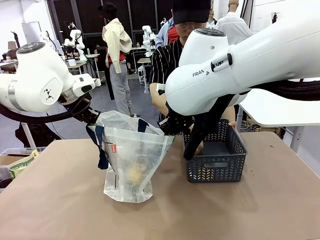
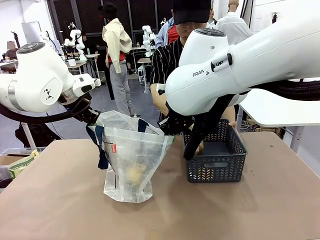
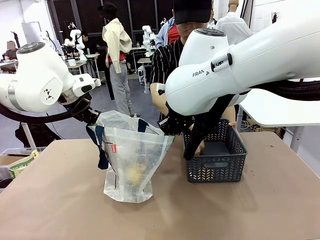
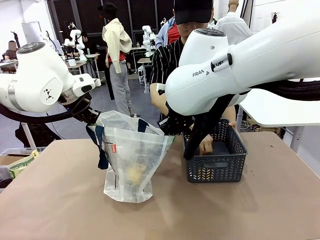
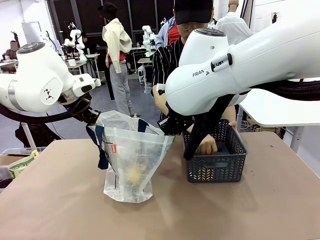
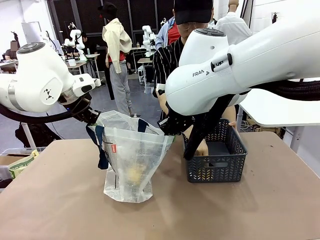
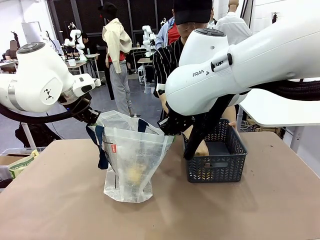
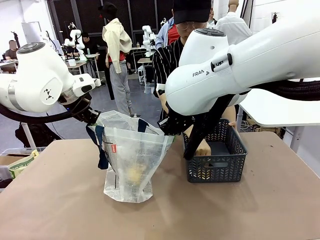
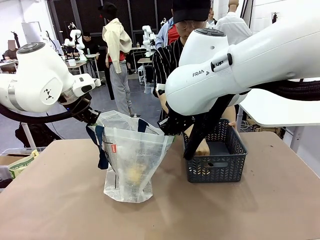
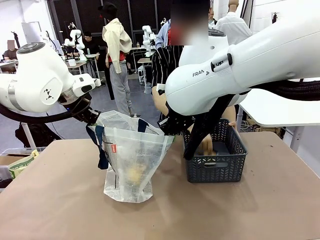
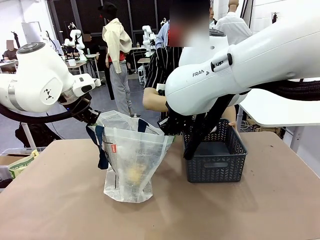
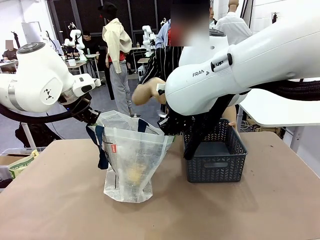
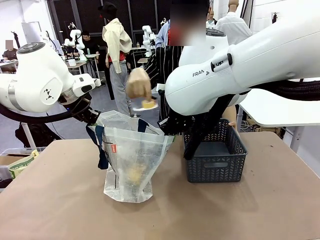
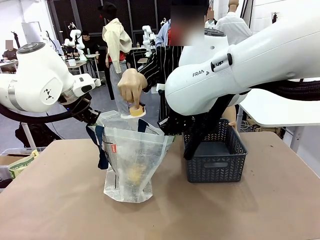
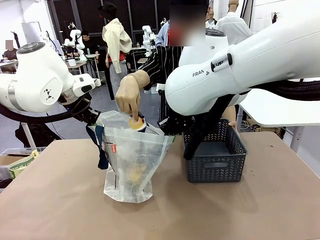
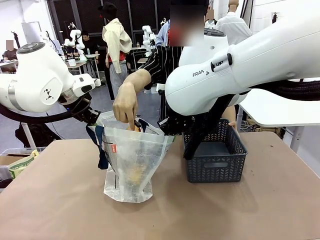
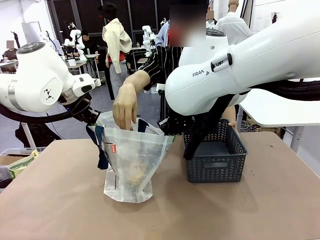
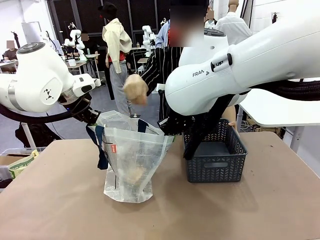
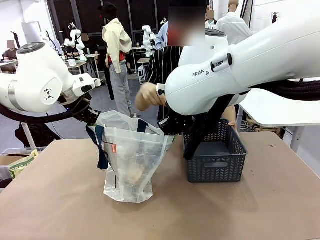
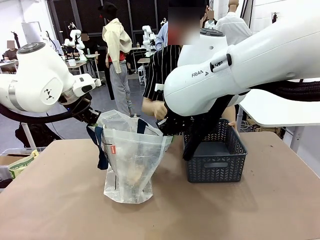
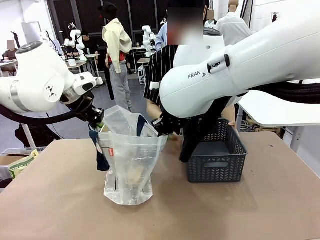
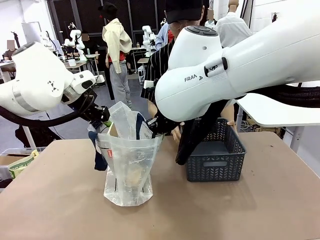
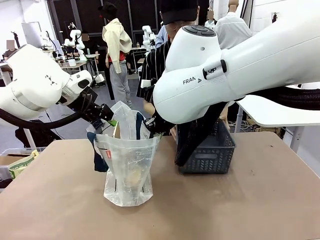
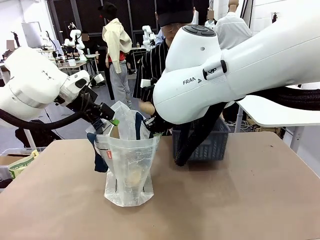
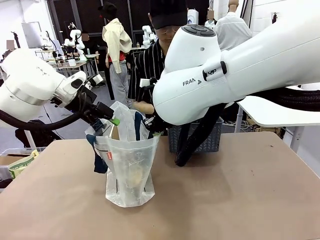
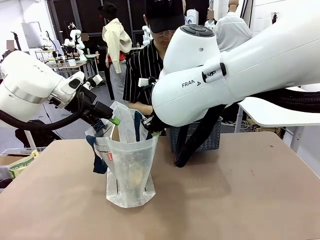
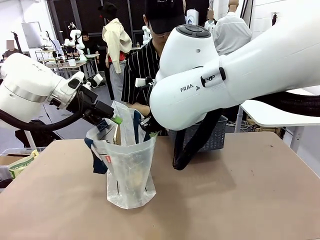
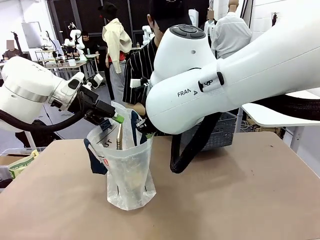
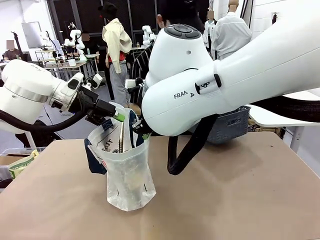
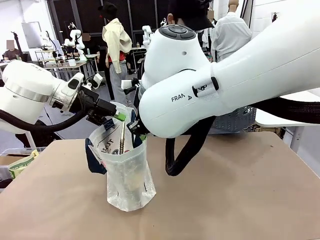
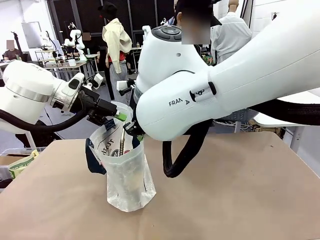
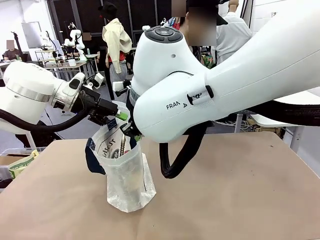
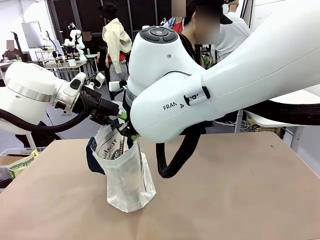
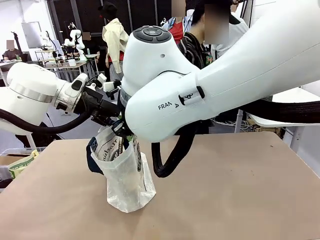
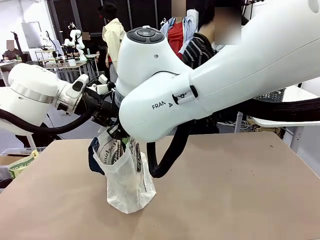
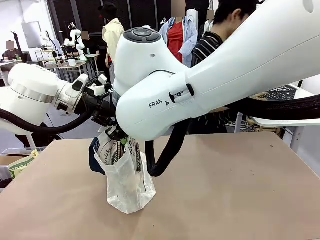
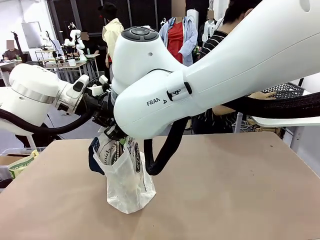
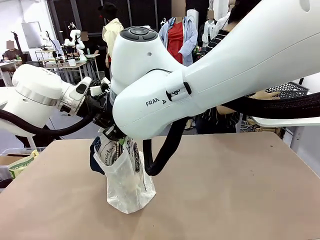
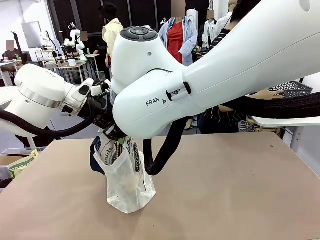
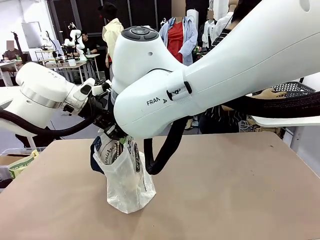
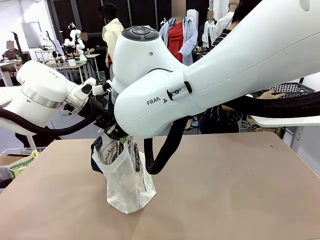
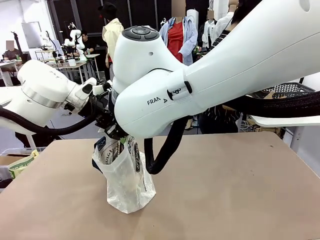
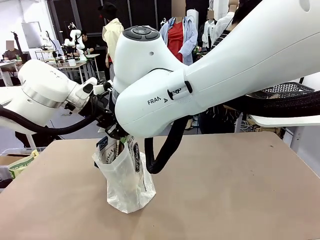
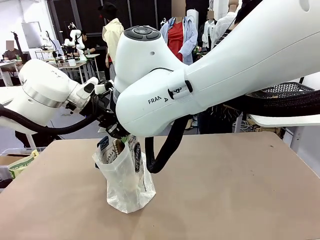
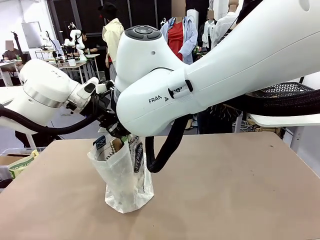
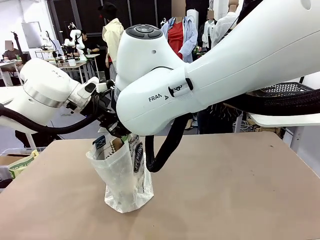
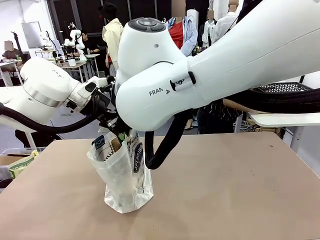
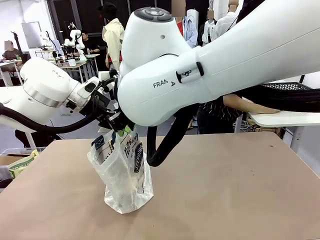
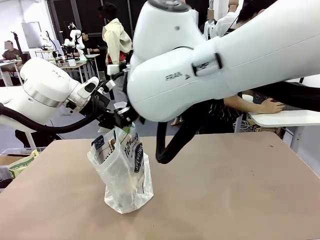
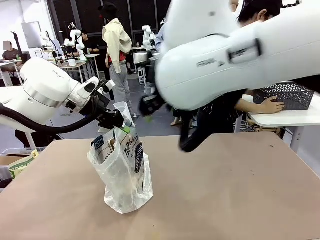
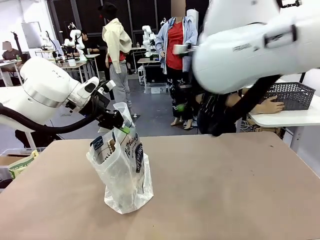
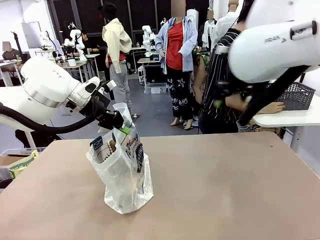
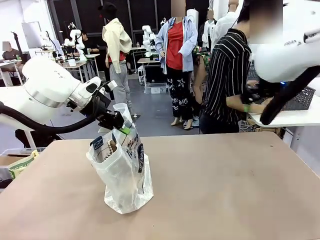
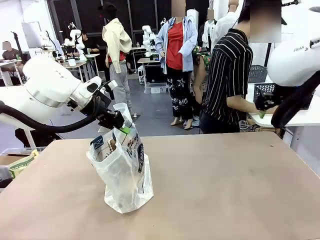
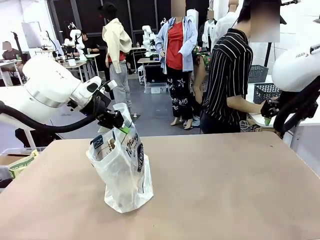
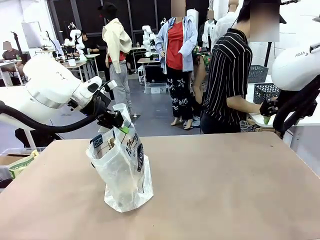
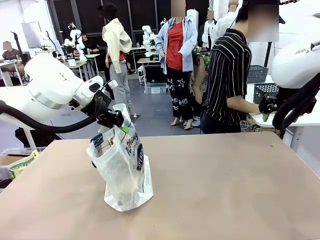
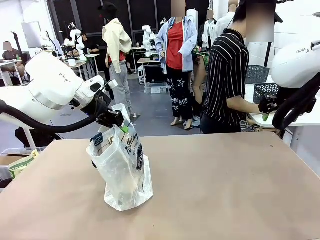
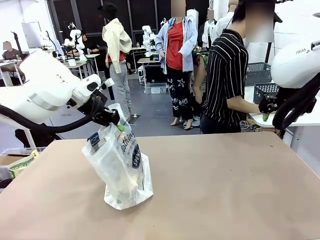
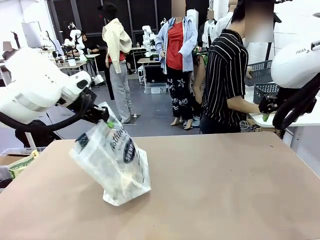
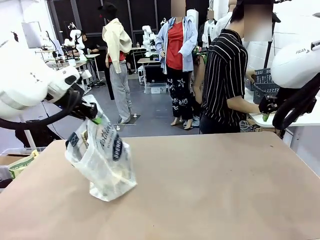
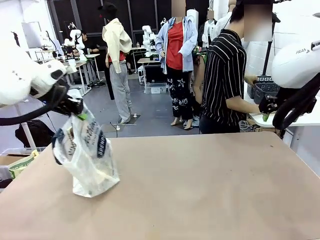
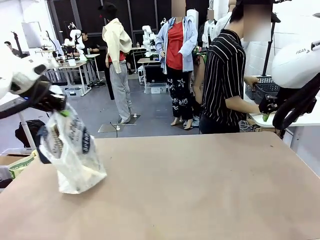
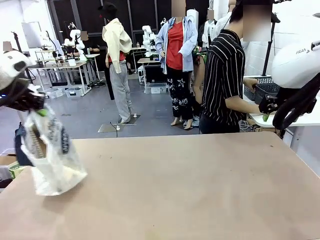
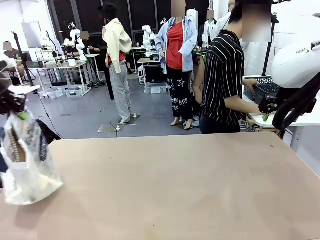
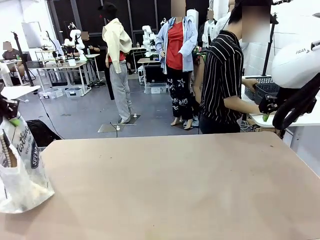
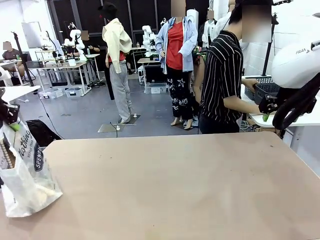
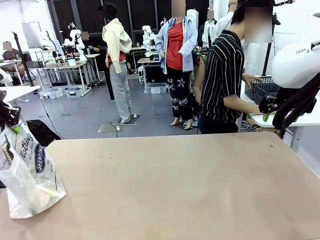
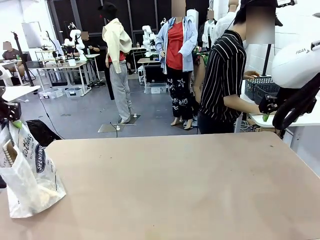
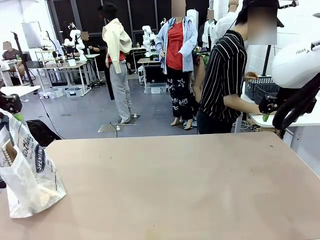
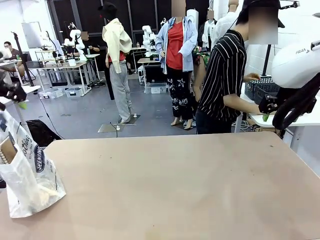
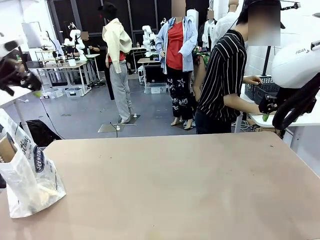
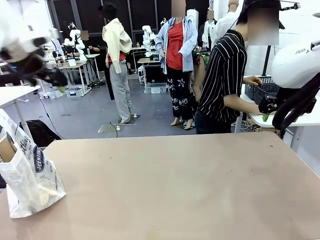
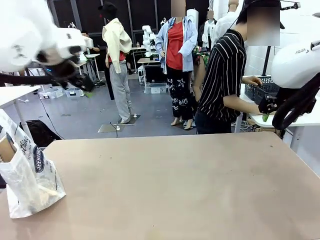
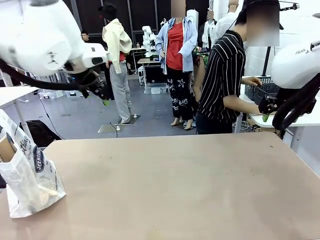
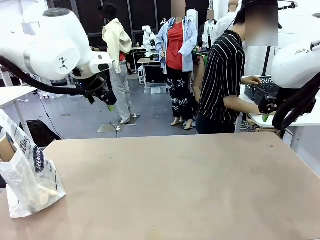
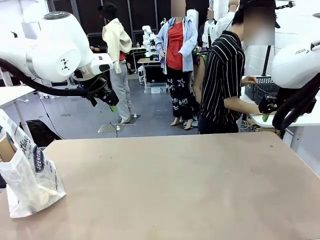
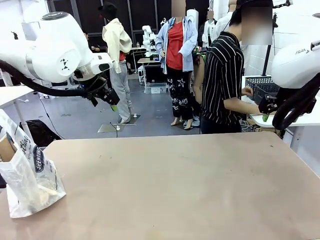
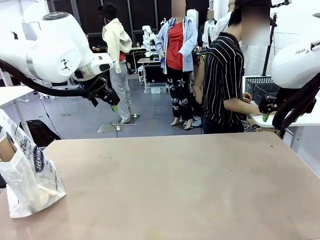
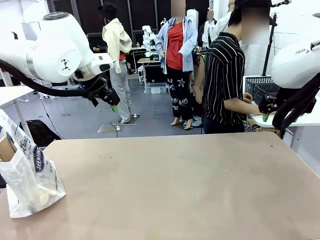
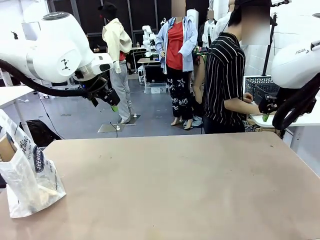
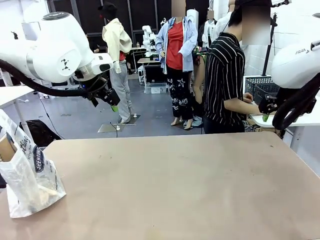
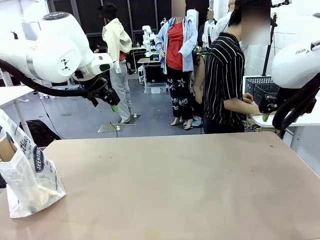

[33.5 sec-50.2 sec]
Task: Transfer purchased items from the store into the shopping bag.
Robot: Move the Reusable shopping bag to the right side of the table.
Person: Move the basket on the left to the middle of the person's table.

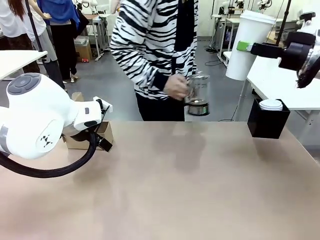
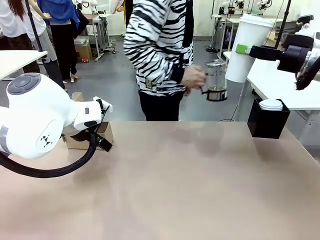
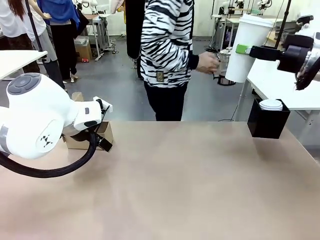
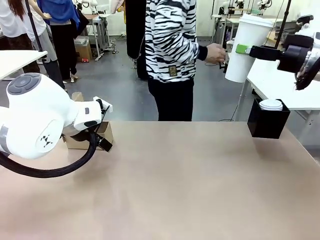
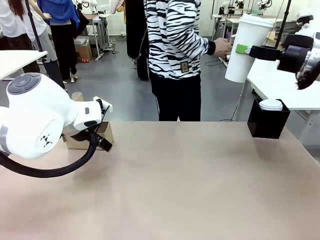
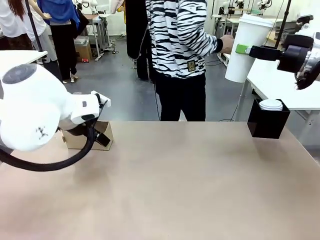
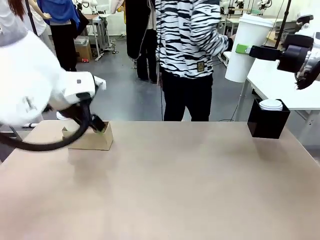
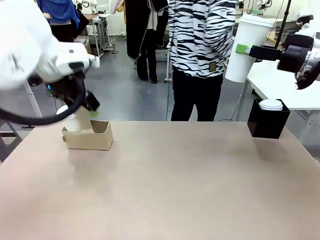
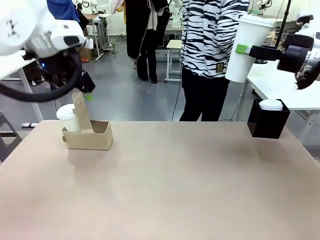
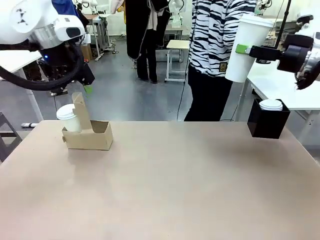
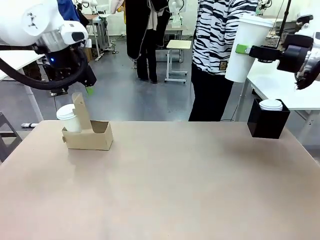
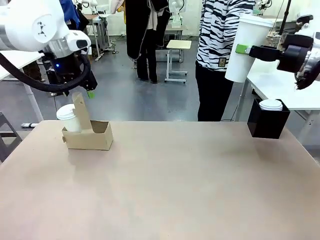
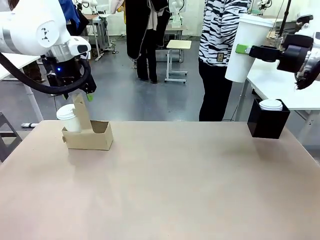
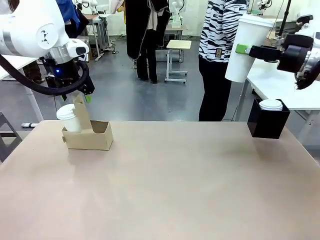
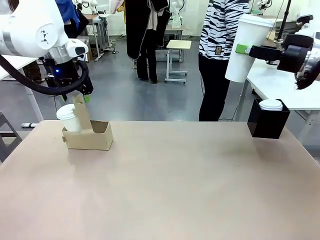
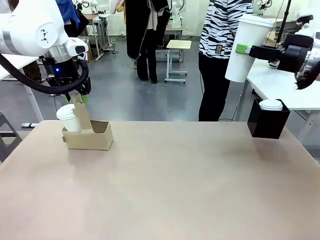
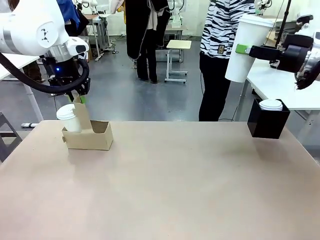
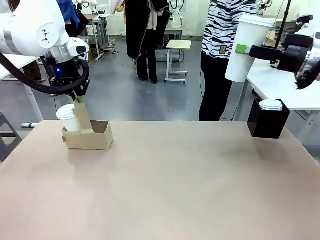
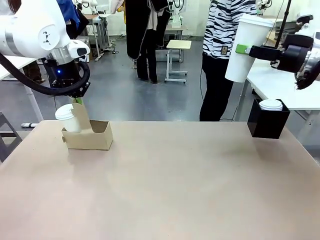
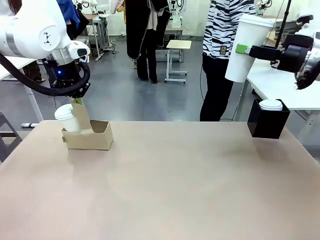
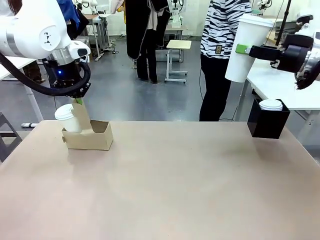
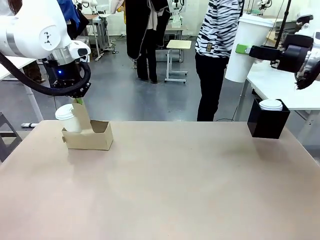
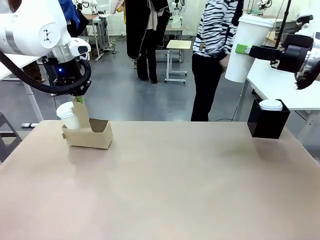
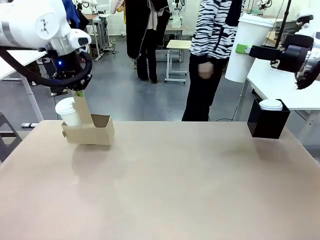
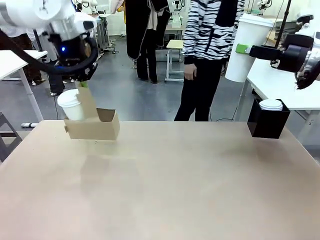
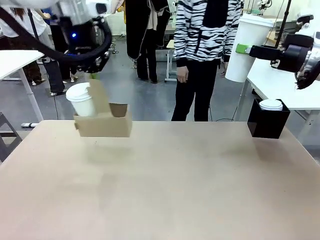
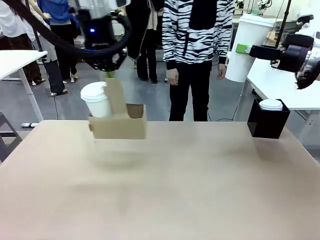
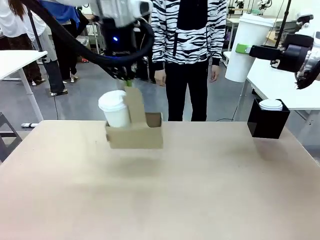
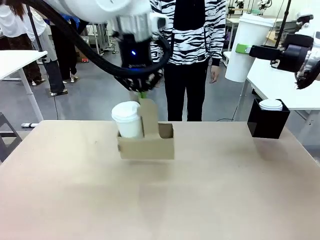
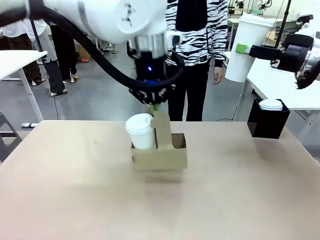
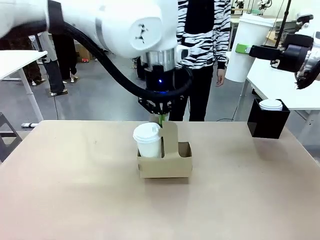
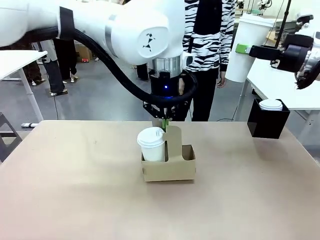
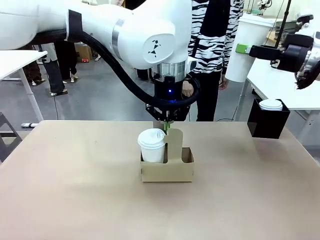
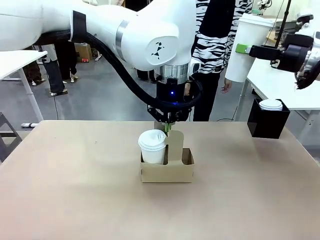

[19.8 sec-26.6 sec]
Task: Pour a drink into a cup and package it in a carrier.
Robot: Position the Cup Carrier in the center of the table.
Person: Pick up the Filter Brewing and place on the middle of Human table, and return to the Robot table.
